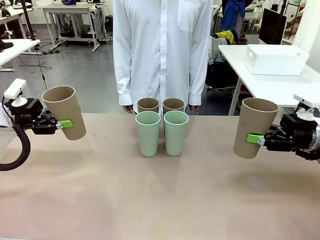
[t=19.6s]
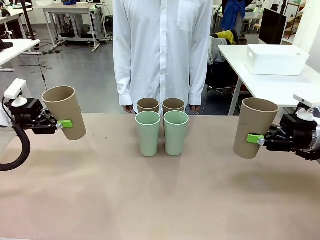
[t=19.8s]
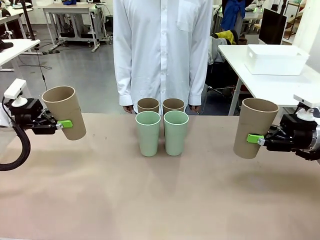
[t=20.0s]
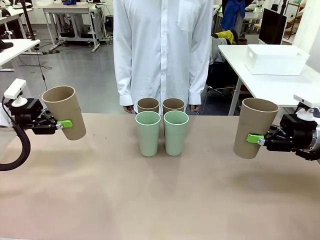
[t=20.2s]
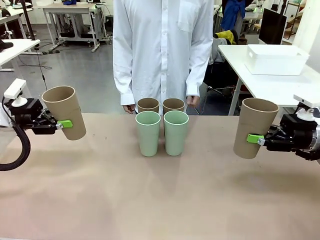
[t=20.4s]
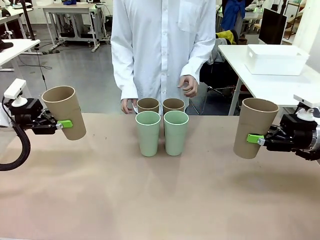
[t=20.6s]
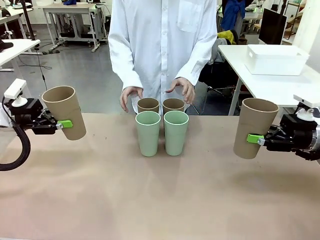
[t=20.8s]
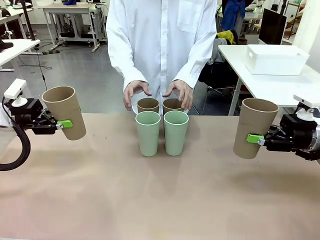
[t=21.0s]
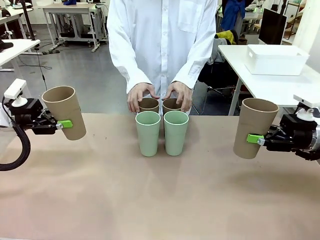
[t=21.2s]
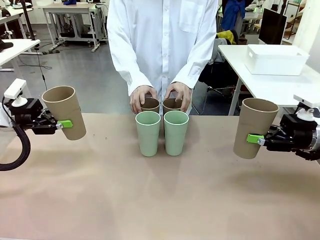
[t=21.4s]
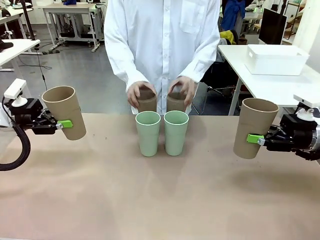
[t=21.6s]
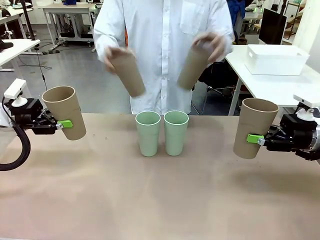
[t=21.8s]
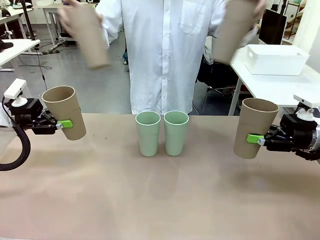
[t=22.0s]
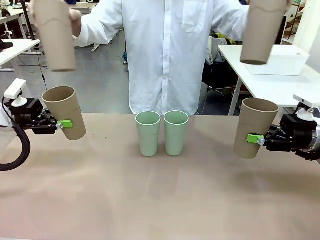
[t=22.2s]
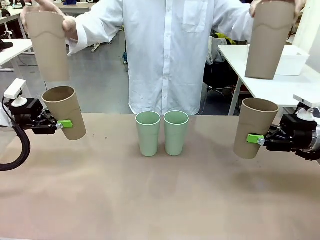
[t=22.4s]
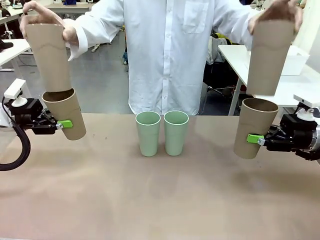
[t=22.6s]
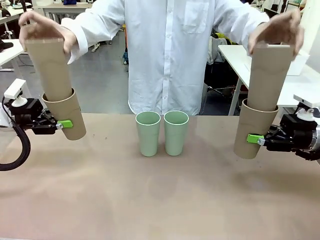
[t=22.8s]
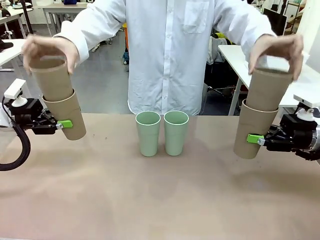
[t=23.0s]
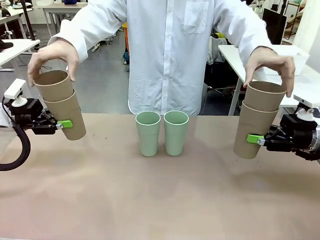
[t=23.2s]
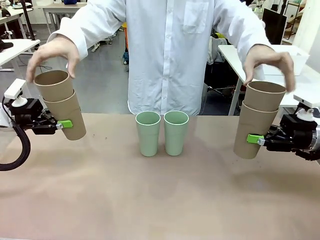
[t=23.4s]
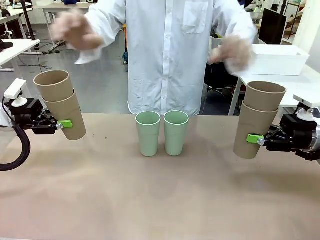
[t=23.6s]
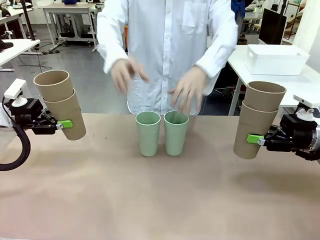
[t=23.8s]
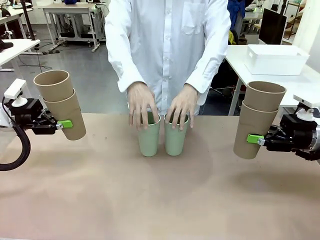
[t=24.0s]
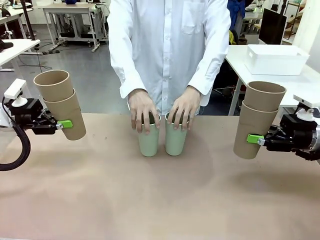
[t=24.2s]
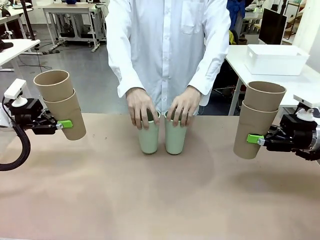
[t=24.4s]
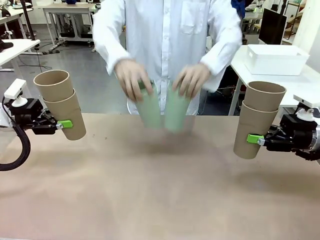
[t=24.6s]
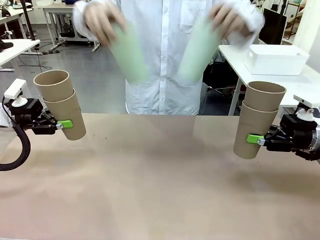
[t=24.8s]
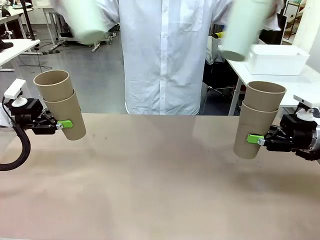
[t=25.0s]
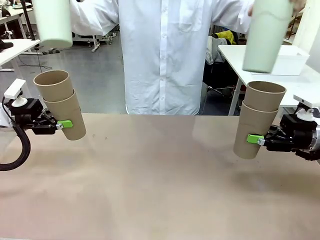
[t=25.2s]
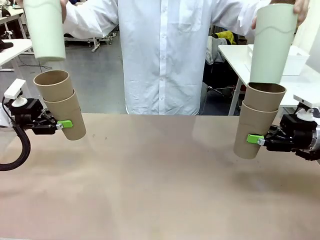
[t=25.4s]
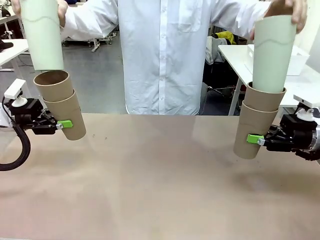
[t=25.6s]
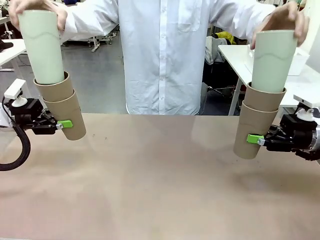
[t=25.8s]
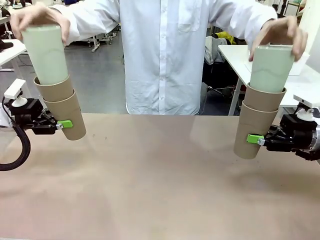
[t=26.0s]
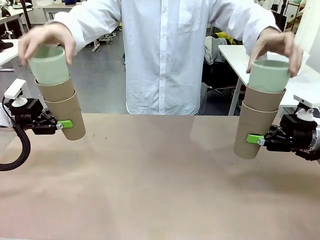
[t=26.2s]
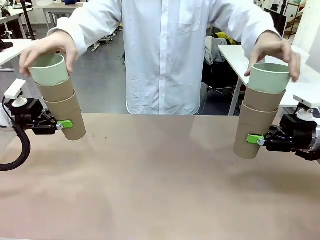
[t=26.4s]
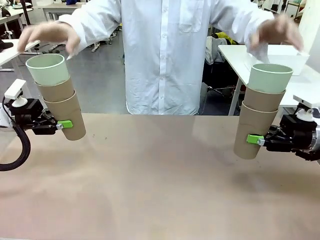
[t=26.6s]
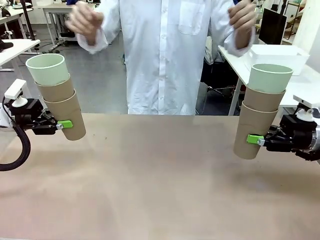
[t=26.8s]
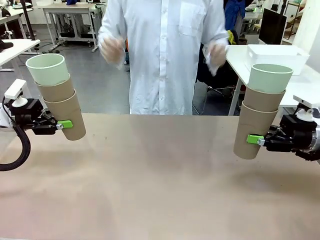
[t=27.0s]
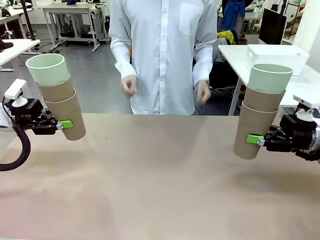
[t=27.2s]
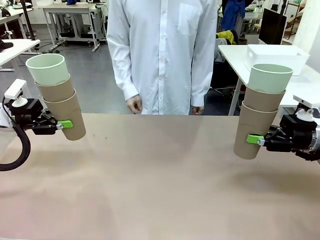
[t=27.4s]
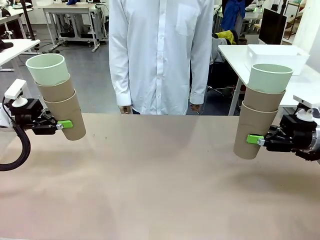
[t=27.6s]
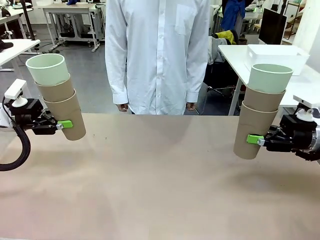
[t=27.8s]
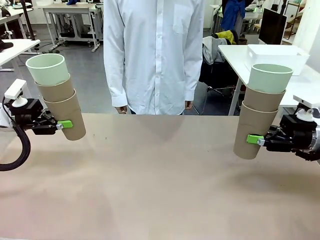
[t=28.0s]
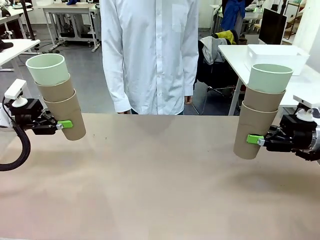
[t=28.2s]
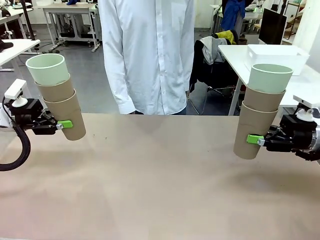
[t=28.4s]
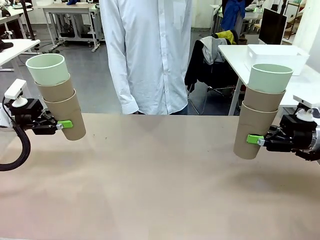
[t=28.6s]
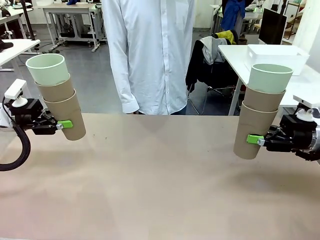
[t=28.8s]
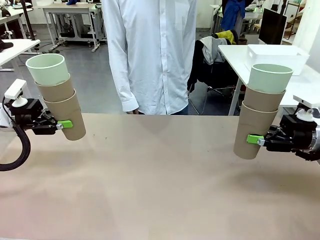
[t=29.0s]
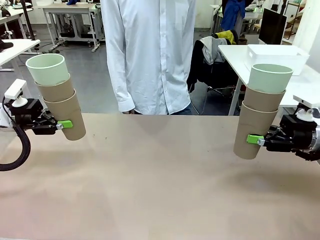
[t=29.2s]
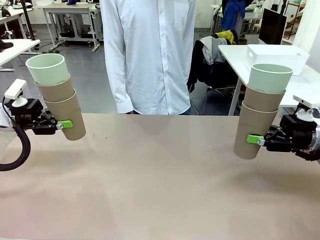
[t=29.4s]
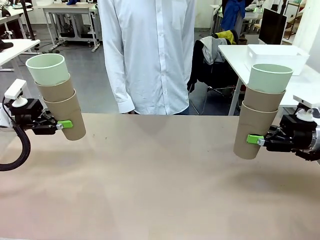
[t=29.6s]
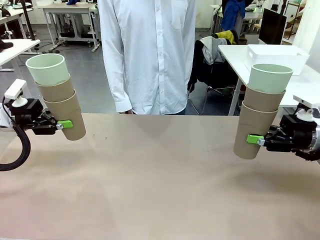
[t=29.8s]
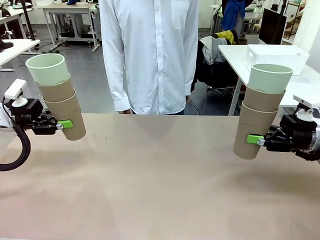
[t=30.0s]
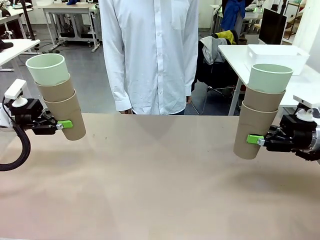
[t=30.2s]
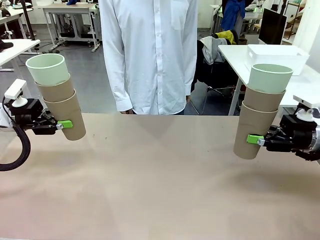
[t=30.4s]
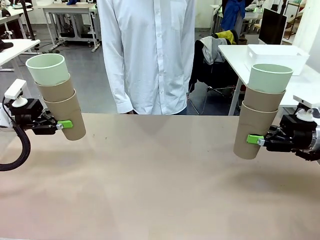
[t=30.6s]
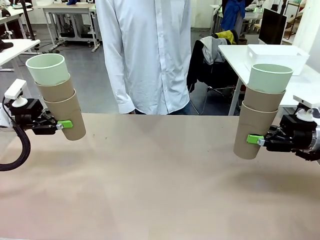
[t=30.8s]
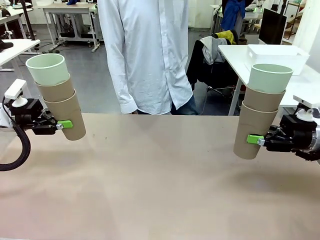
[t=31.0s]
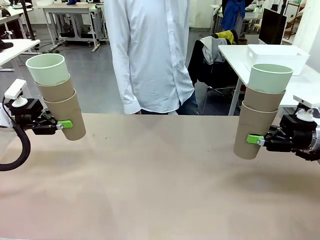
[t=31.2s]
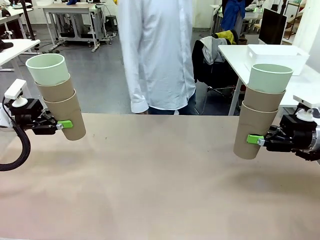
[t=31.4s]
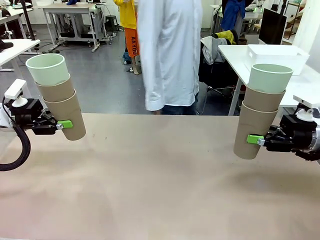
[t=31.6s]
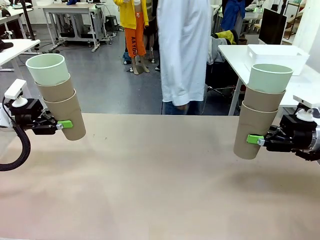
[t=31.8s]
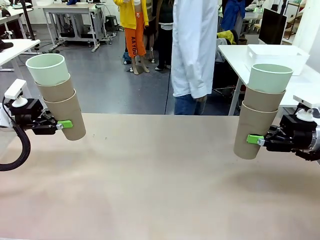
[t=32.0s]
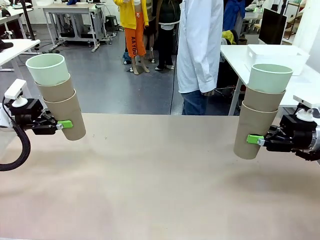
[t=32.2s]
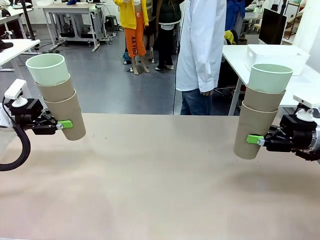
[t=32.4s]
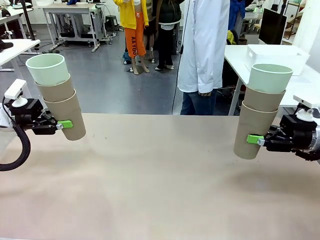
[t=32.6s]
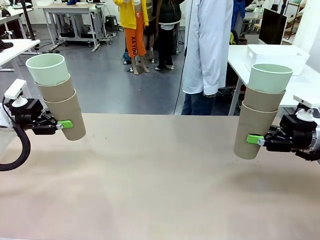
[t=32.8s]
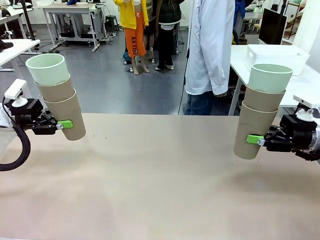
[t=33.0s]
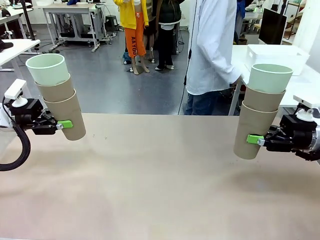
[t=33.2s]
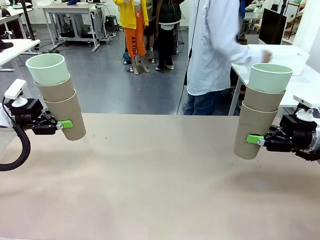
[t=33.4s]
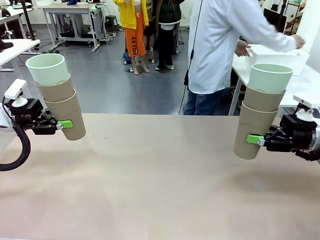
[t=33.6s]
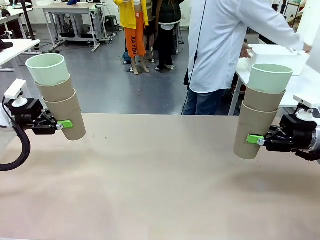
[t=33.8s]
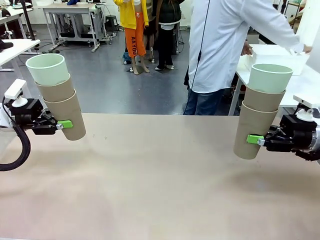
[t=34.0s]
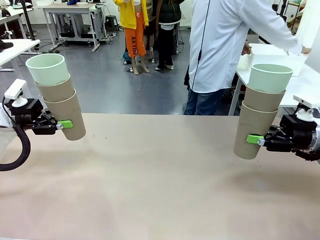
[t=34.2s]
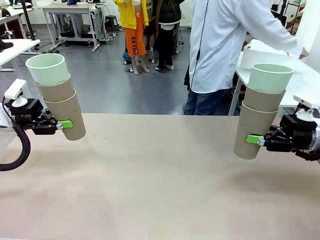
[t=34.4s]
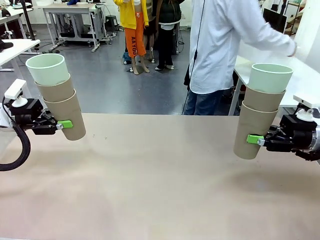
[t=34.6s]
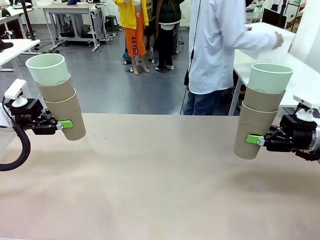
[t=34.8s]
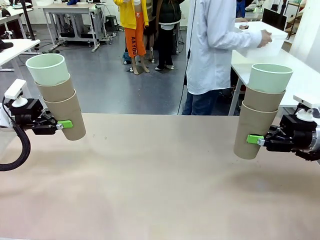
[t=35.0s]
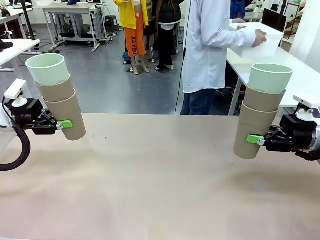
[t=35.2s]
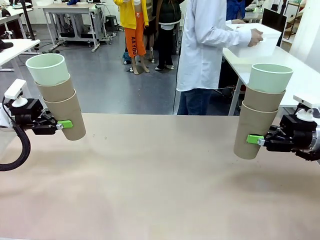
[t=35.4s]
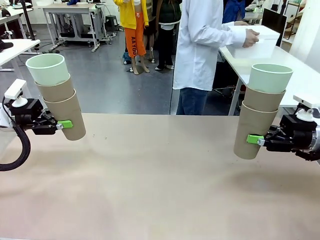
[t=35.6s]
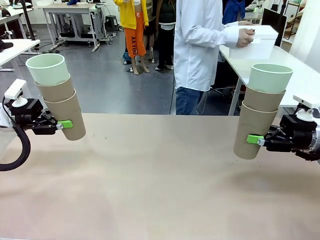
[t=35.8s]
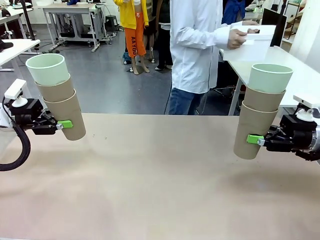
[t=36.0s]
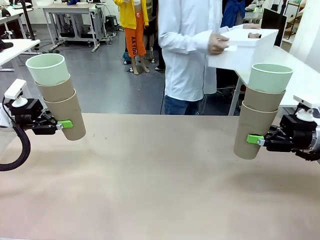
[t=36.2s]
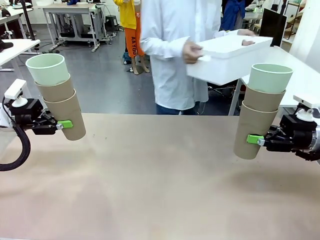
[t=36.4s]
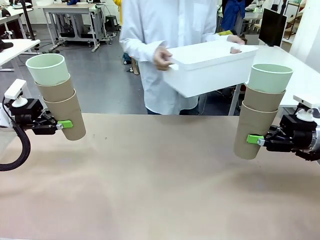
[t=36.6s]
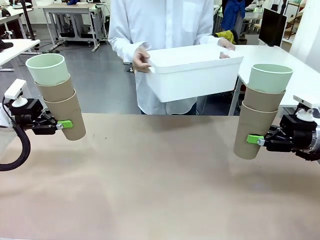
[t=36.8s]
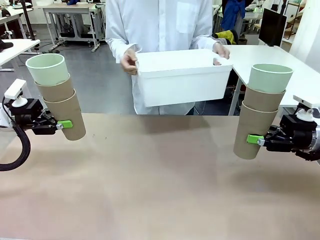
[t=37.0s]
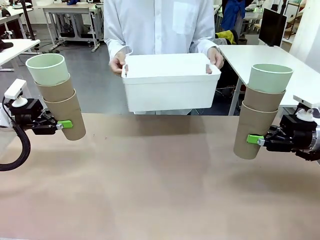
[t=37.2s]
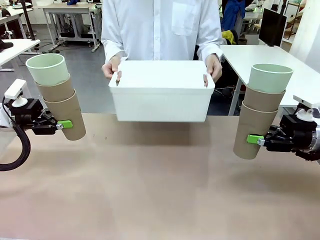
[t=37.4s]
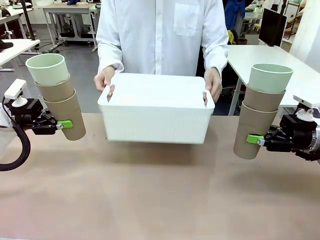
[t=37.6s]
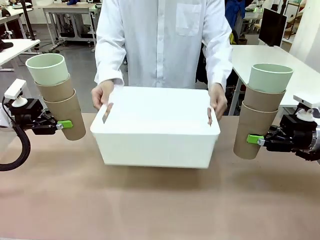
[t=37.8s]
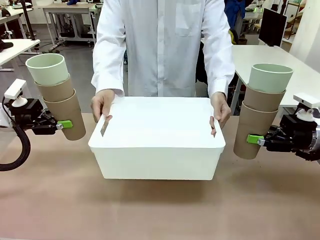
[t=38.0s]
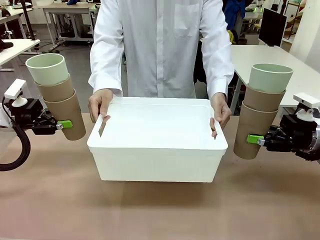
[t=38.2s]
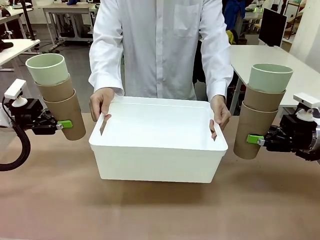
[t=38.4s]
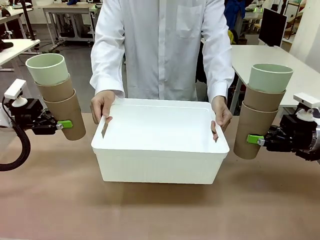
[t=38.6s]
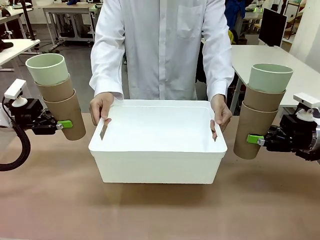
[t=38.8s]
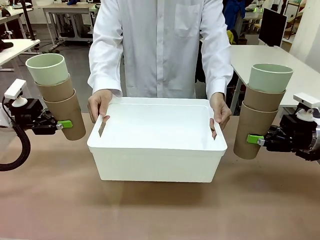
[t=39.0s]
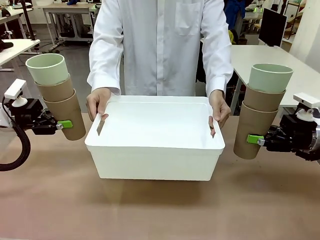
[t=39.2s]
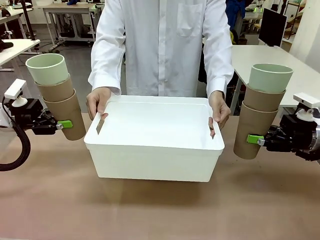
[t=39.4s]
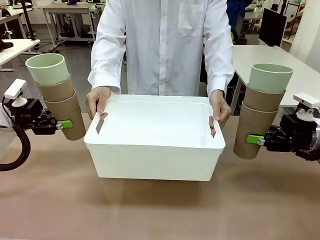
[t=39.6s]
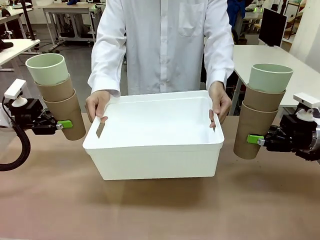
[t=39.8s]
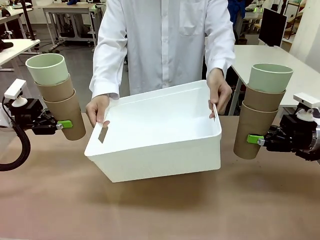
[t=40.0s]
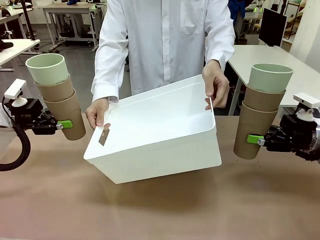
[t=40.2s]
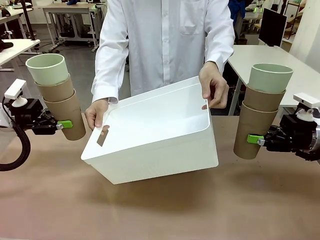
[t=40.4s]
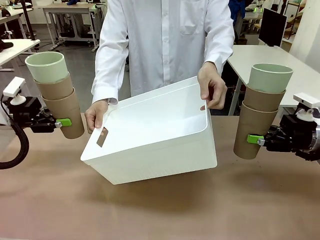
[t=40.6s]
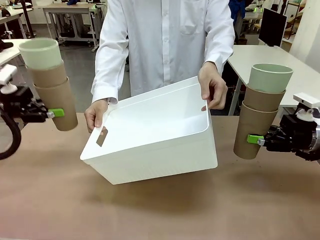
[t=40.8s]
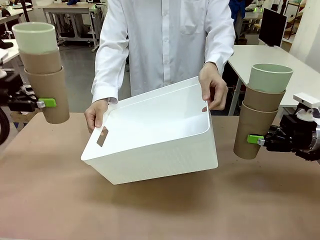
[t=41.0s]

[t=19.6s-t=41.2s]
Task: Stack the cups and store them in the basket.
Robot: Place the stack of Reusable plastic cups into the Pantry Basket.
Person: Pick up the basket from the Human Table, bring it to the front of the robot, and present it.
